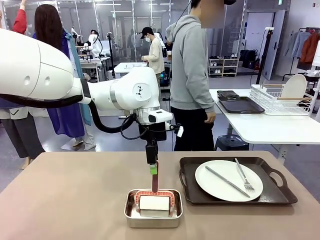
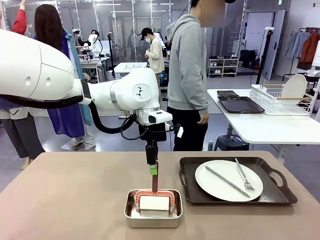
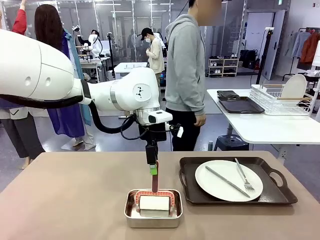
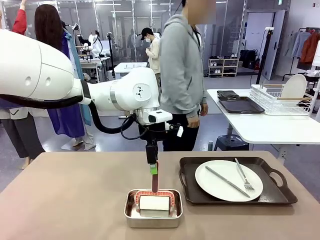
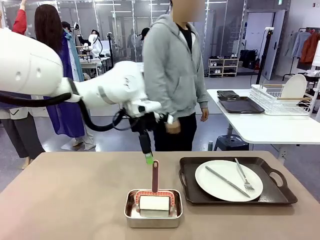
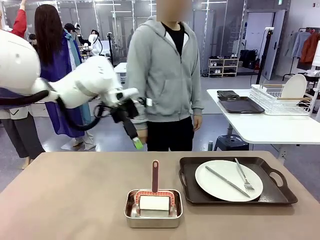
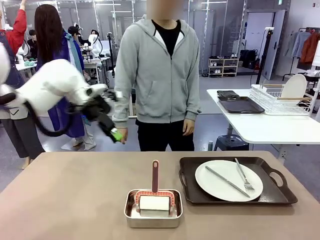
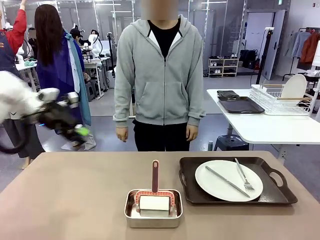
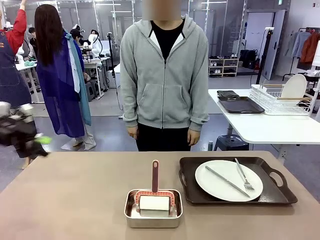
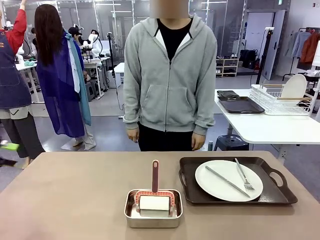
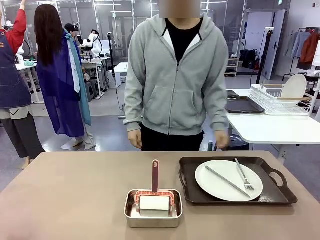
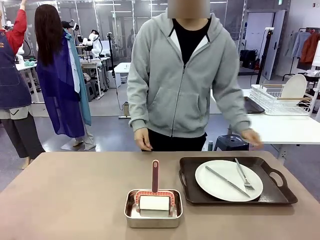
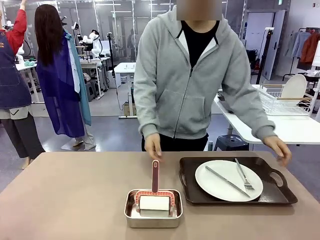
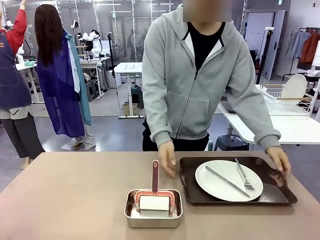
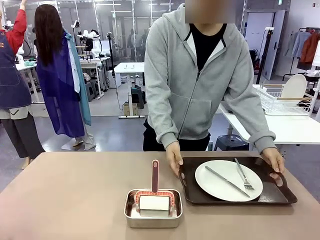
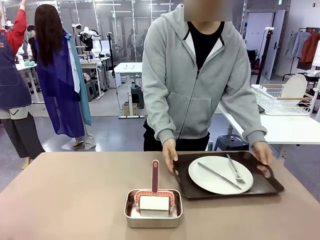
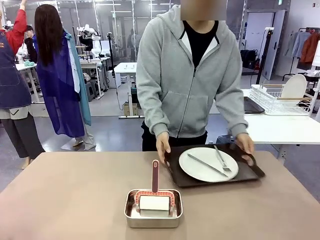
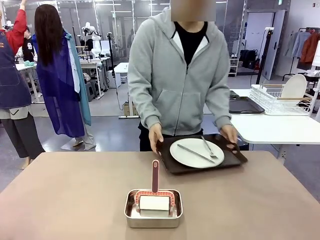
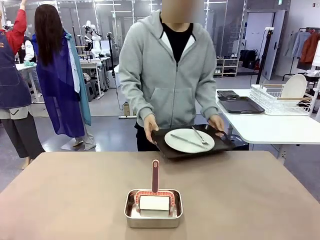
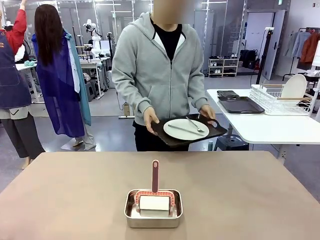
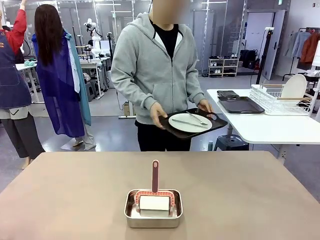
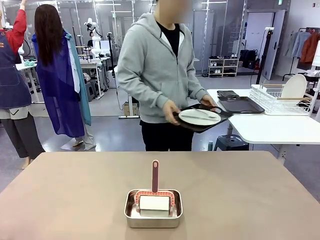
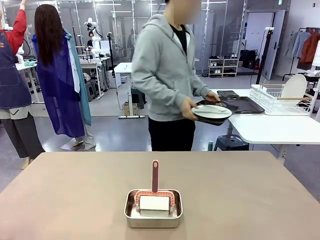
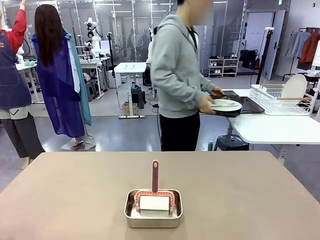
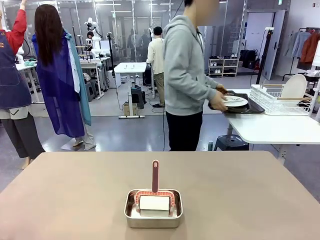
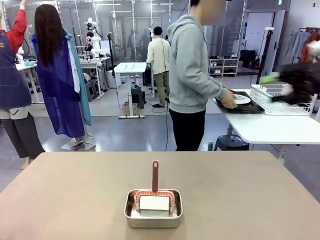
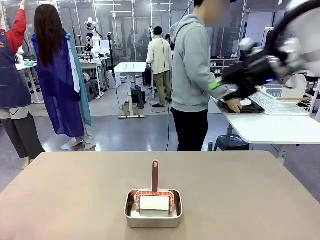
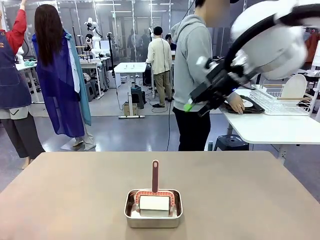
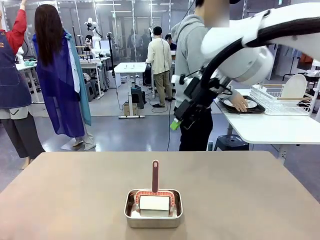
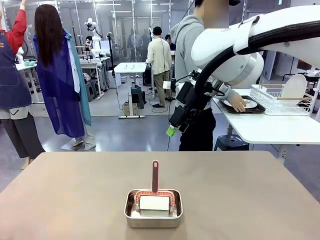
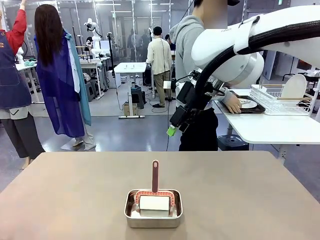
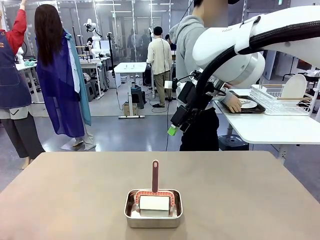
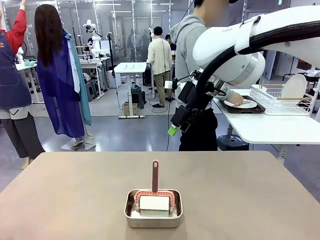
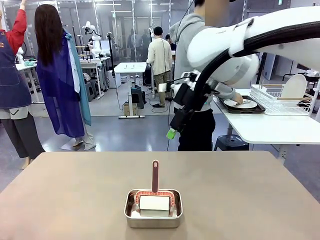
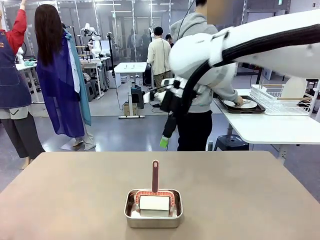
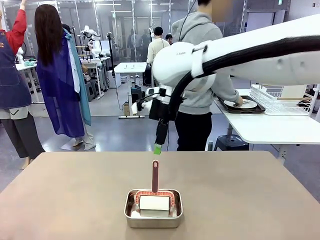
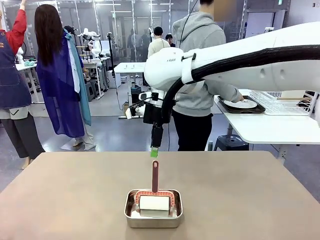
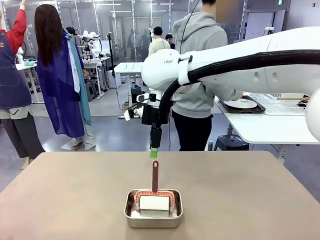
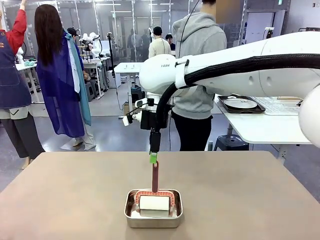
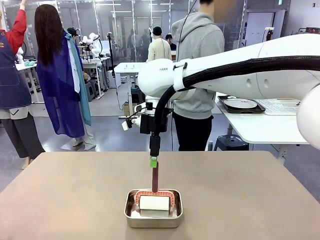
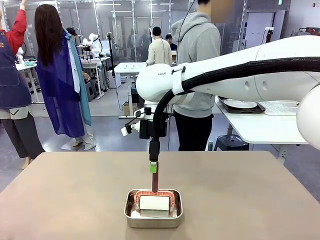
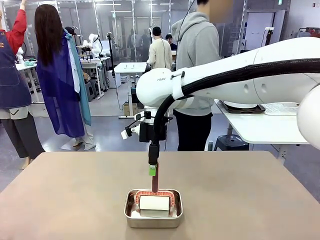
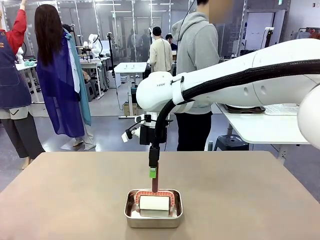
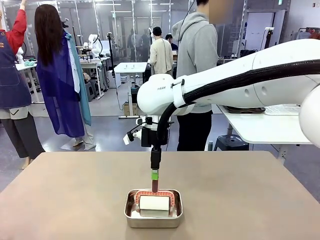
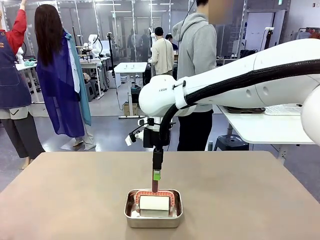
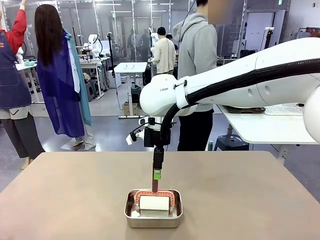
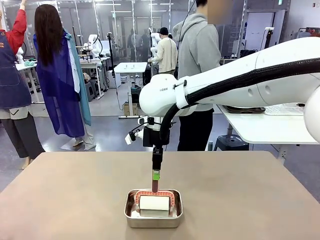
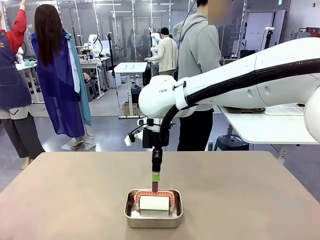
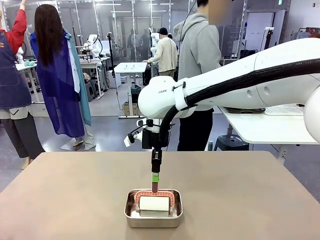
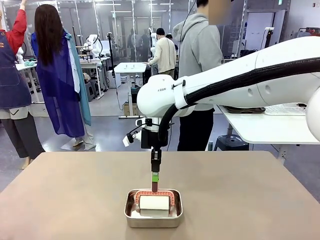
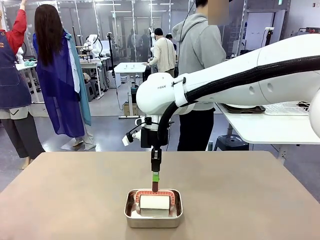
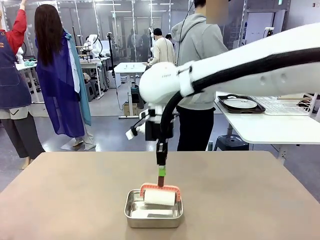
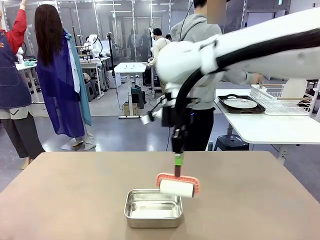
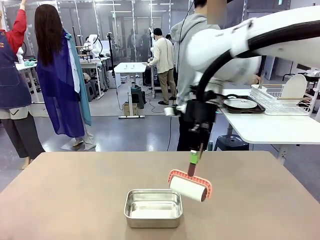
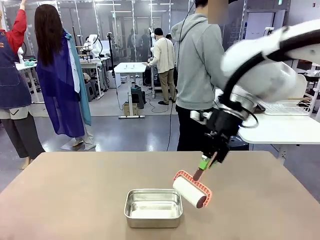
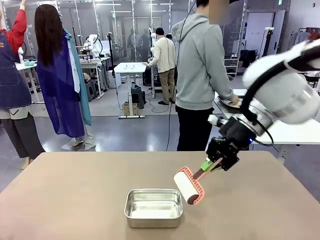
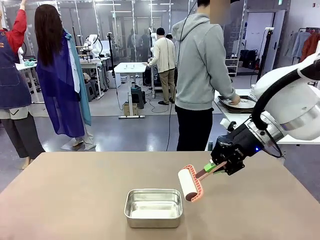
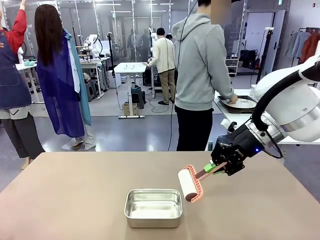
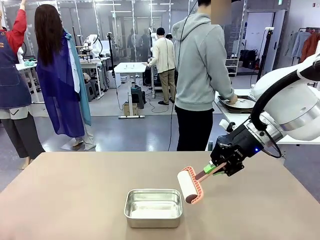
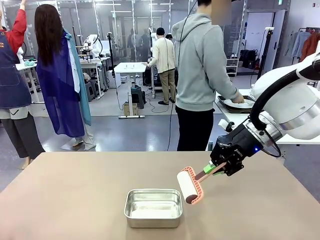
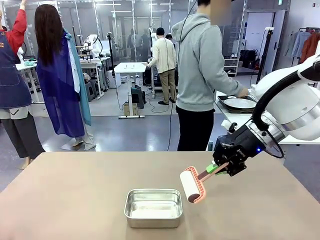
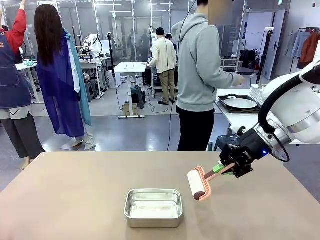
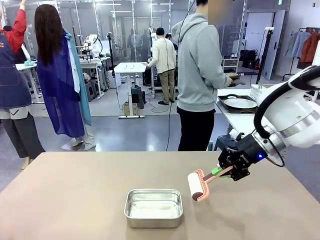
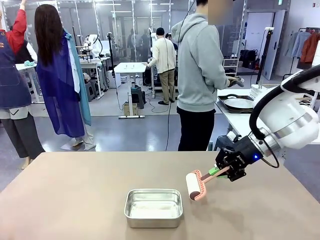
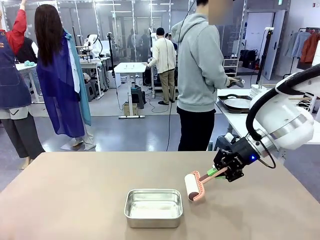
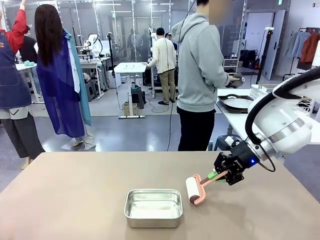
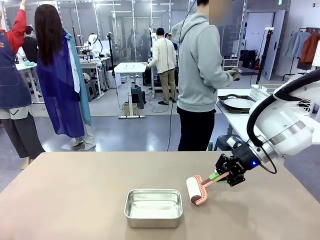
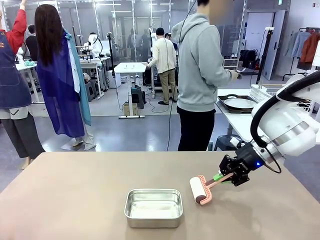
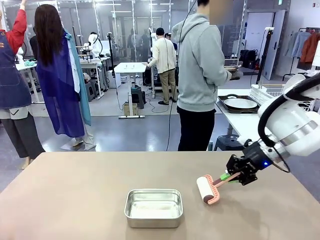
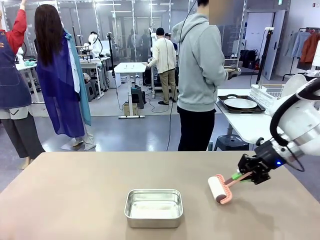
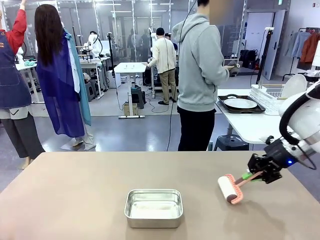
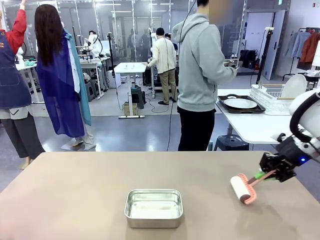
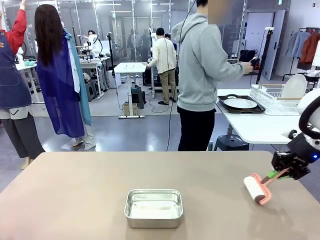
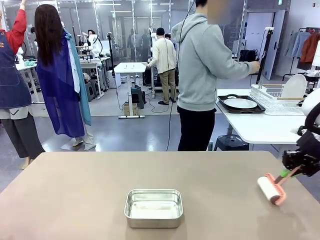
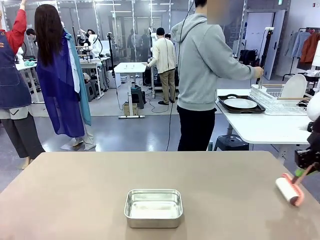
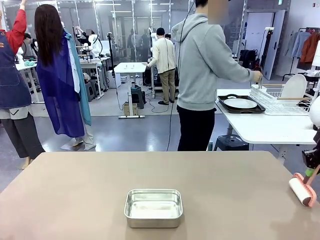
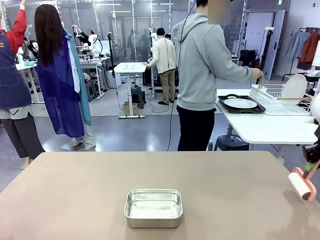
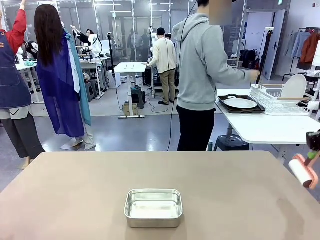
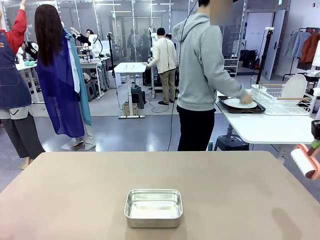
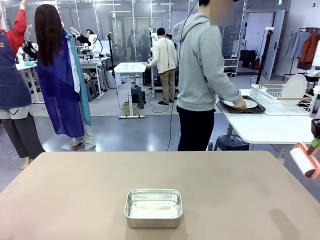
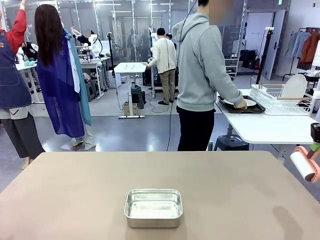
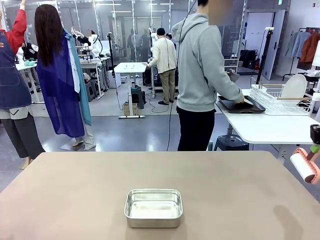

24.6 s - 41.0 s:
Robot: When the right (or left) Handle tray is removed, use the right hand (or left hand) to clean the right (or left) side of the table with the Lint Roller.
Person: Pick up the left (or right) Handle tray and place it on the Handle tray.

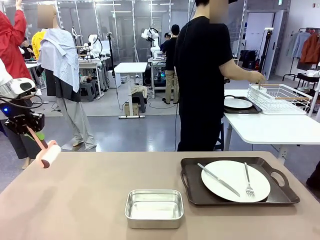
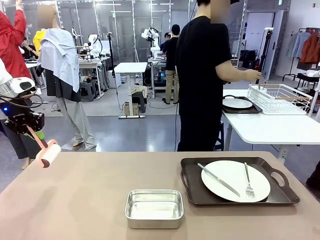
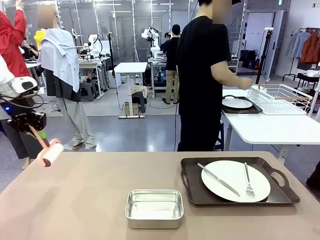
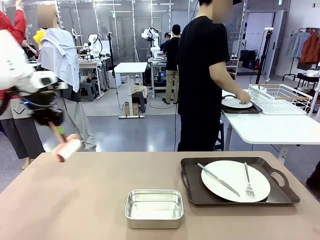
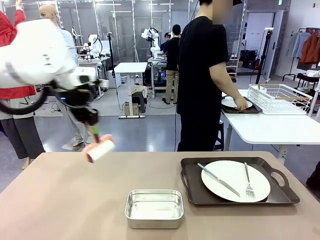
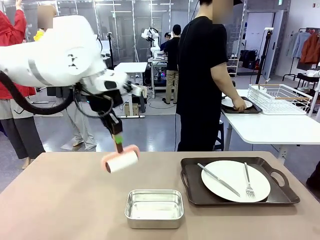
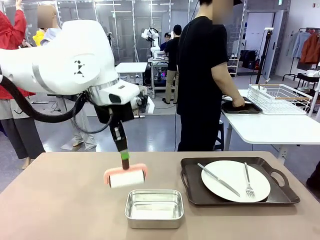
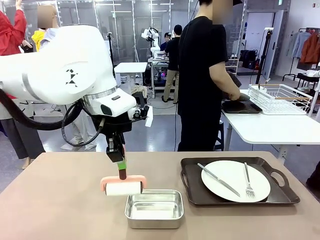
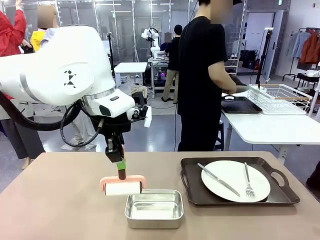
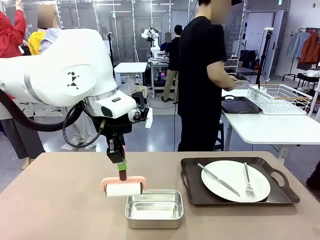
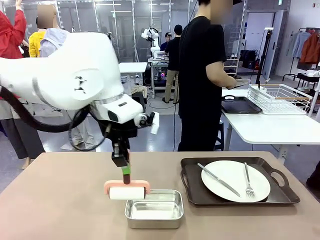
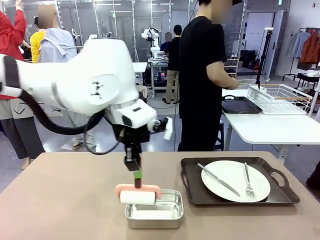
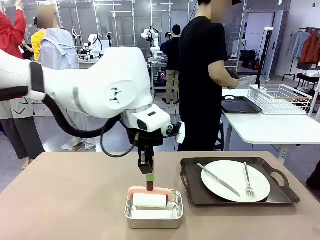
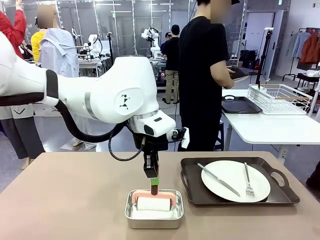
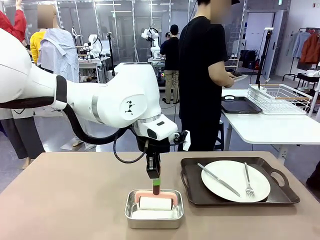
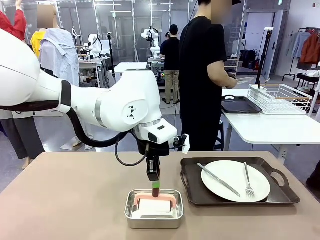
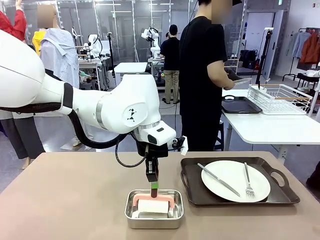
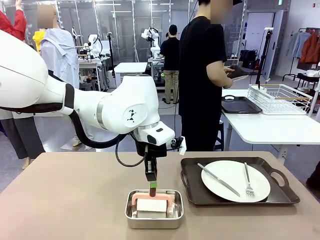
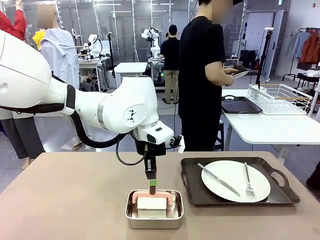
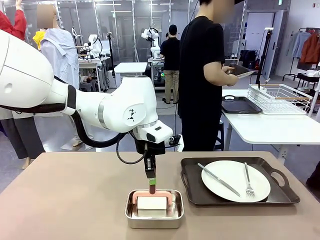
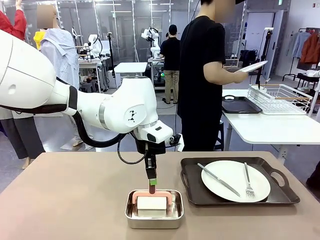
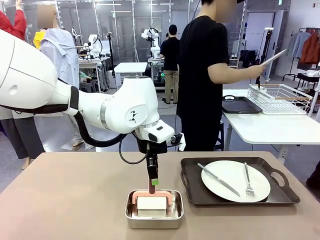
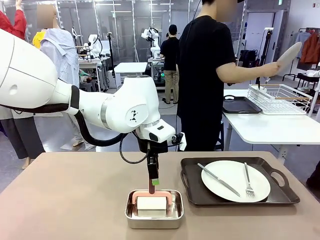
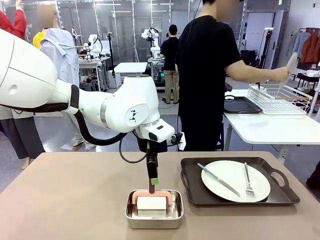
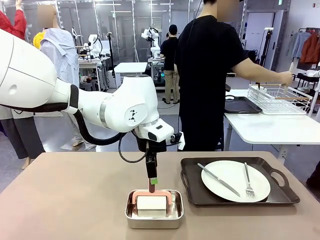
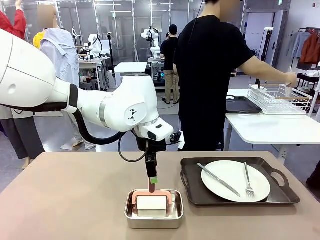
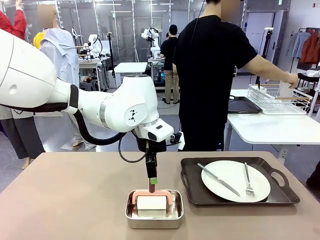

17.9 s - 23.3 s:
Robot: Place the Lint Roller back on top of the Airtight Container.
